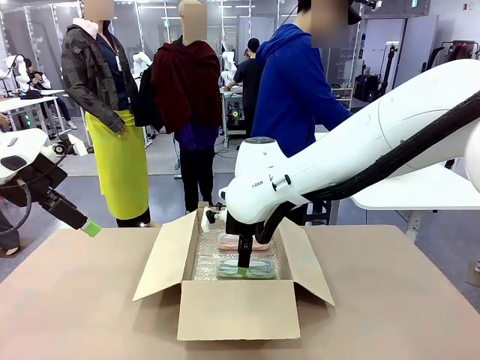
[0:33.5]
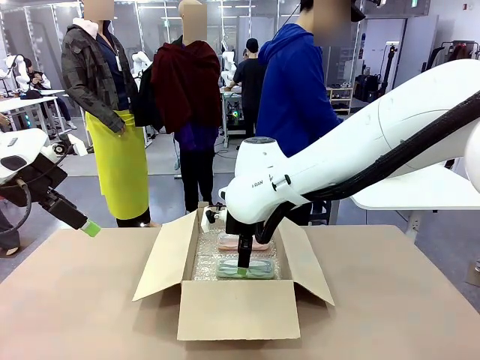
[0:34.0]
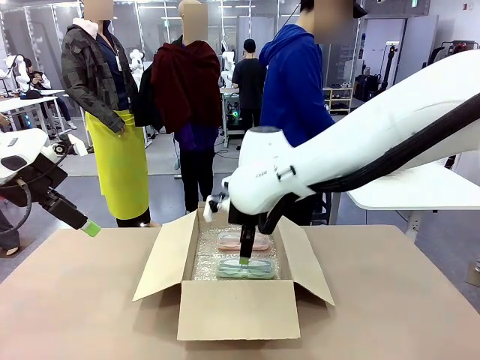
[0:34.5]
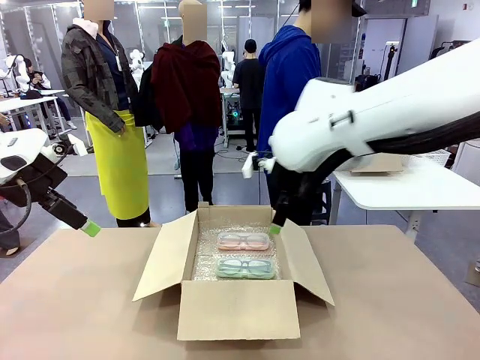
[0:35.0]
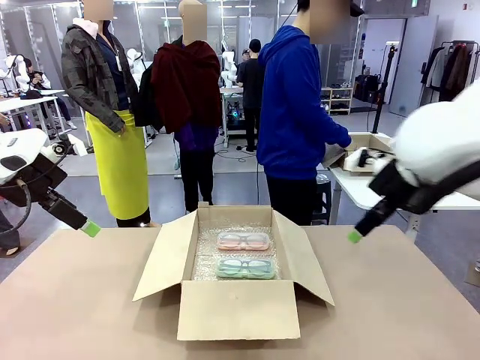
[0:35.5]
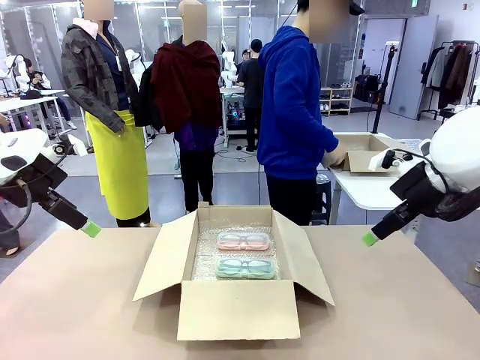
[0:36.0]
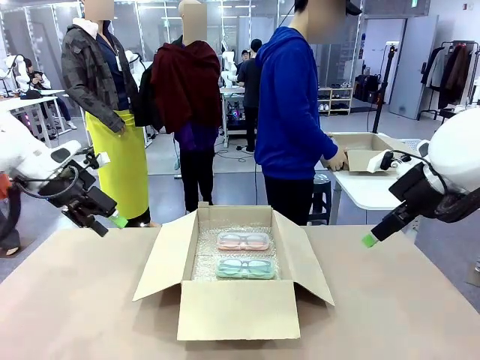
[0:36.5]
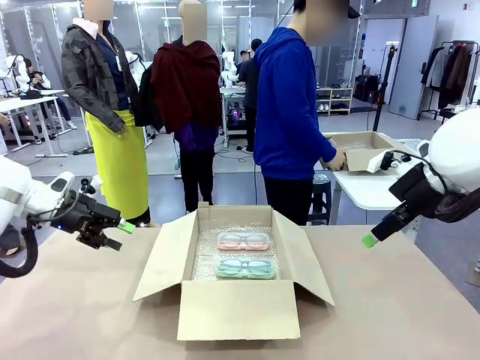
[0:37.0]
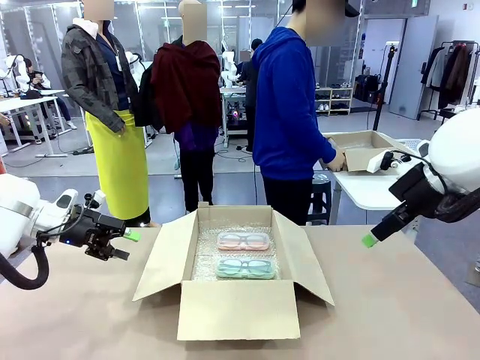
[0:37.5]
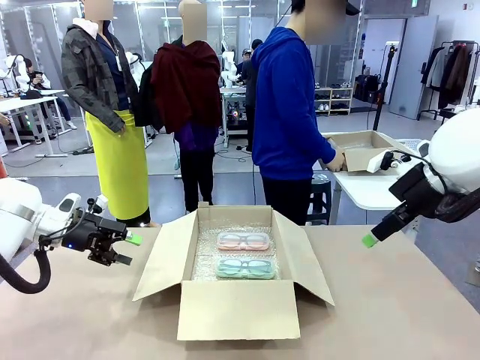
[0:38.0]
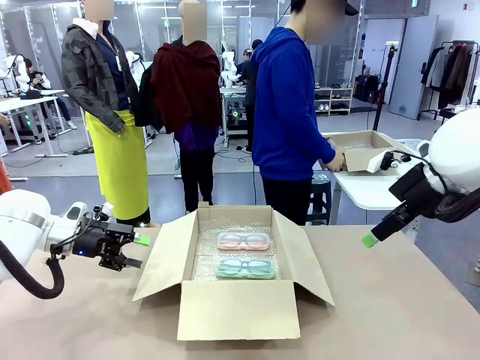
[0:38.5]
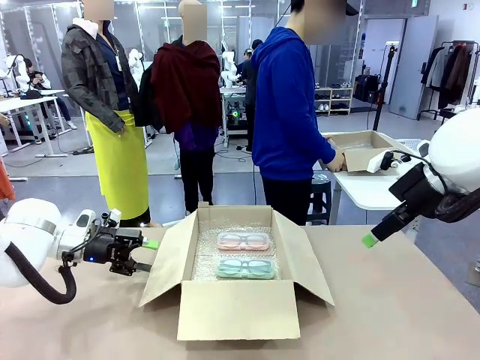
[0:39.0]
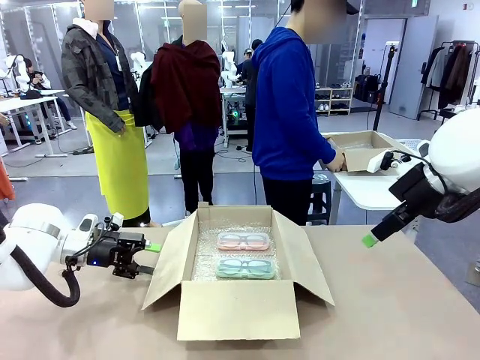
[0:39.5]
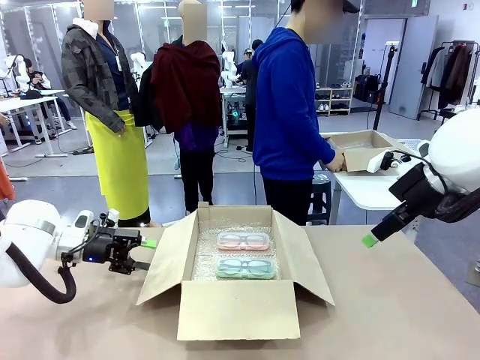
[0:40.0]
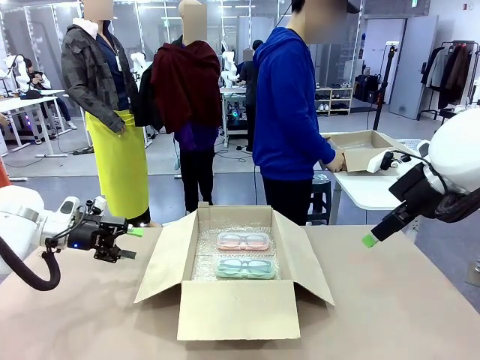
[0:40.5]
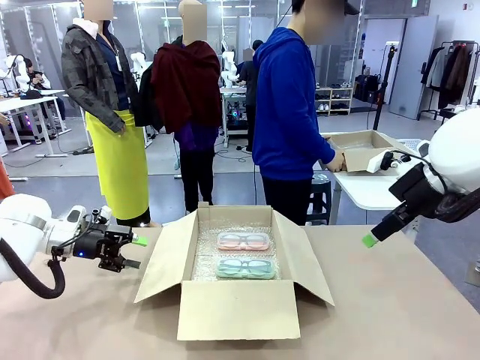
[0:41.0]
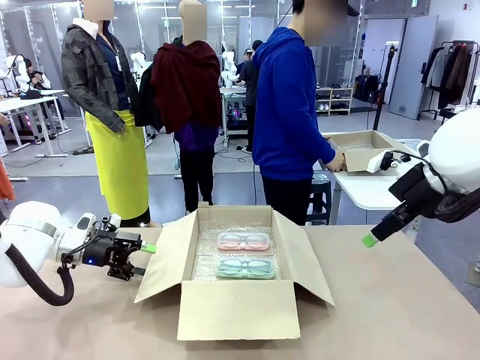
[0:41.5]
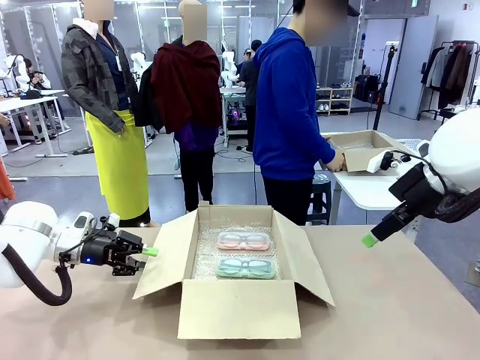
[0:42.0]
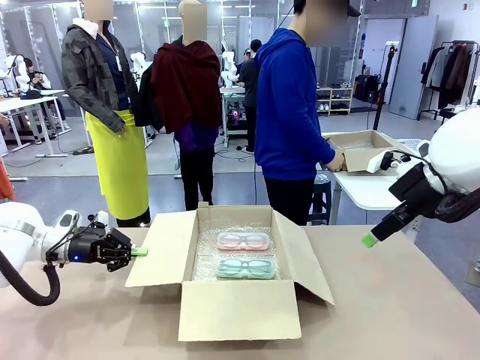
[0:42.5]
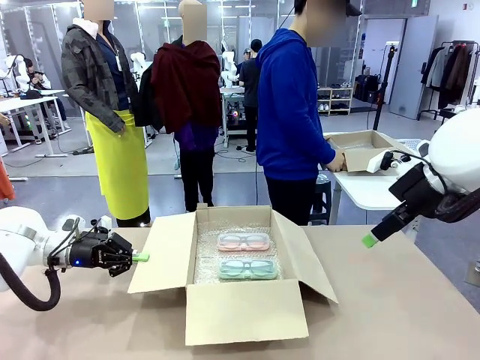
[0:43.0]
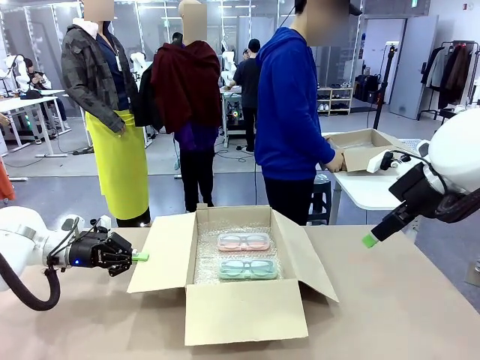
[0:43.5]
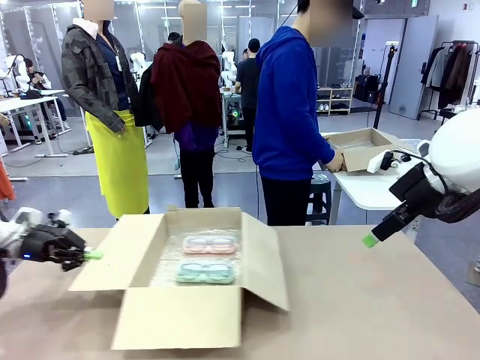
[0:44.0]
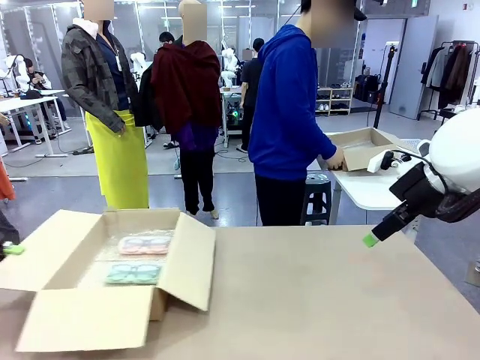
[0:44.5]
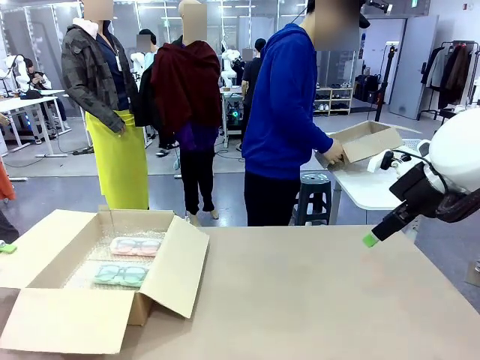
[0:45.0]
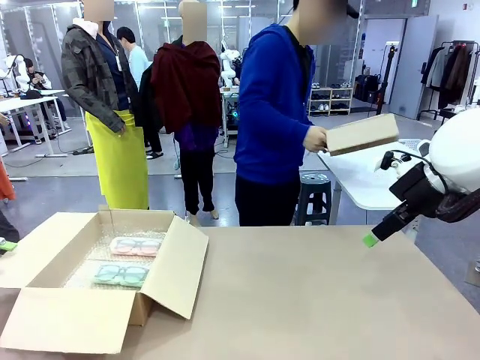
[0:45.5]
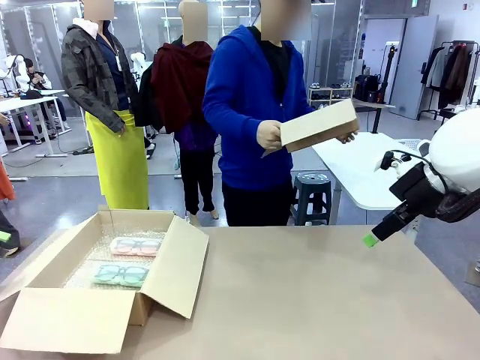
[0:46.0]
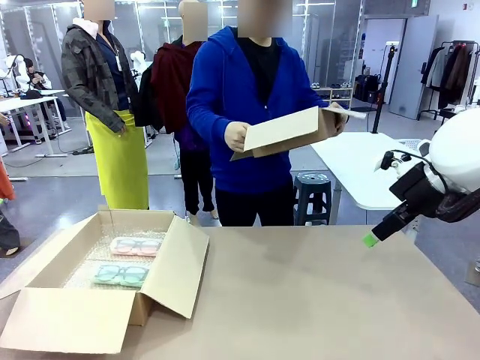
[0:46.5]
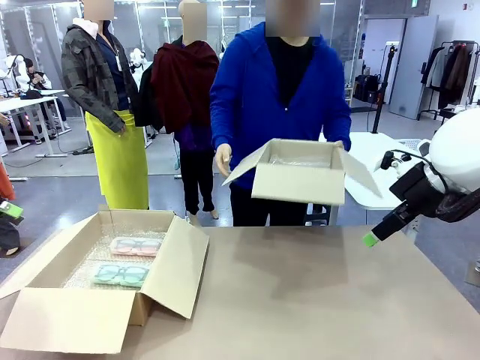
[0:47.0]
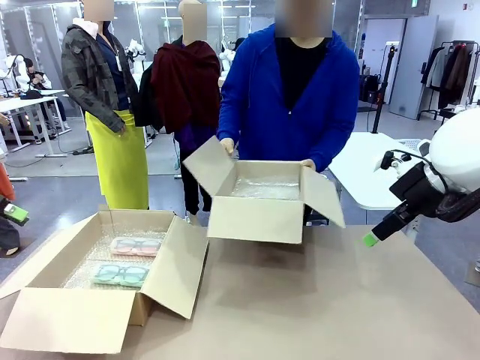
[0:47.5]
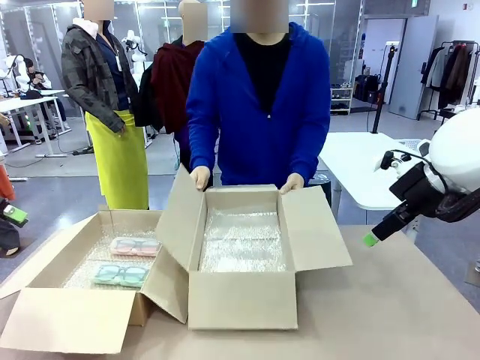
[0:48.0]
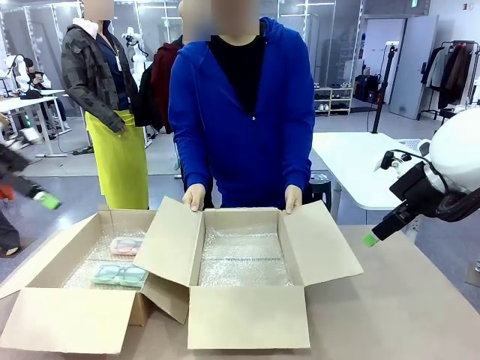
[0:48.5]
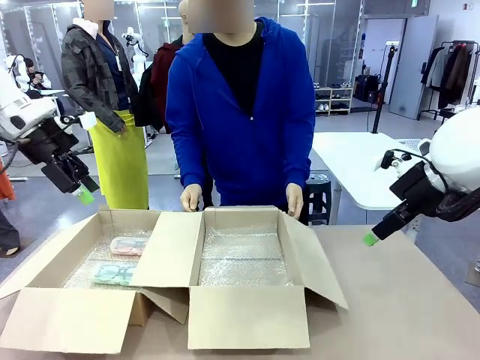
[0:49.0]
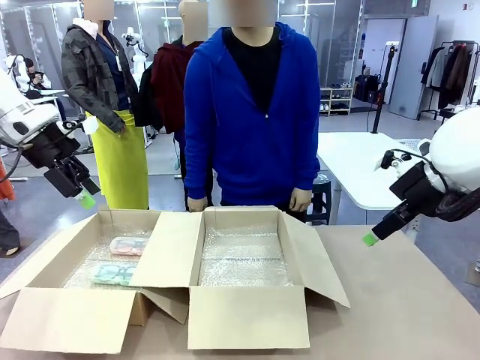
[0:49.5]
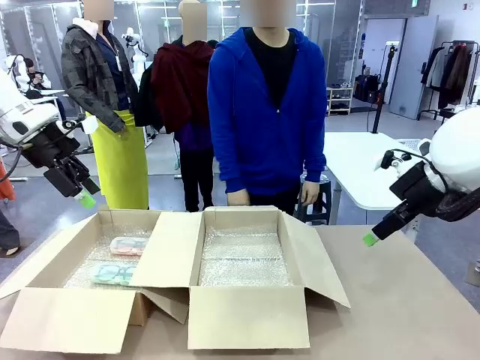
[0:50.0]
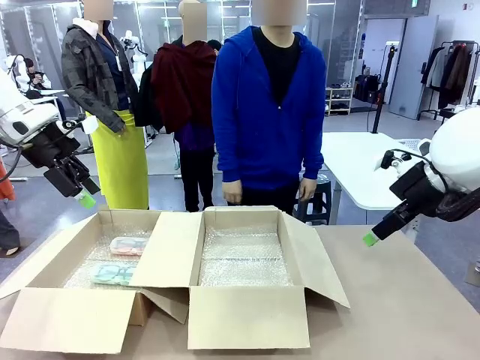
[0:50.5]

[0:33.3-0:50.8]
Task: Pack the glasses set securely to prepare it for shipping.
Robot: Position the Package Box on the left side of the table.
Person: Position the empty Package Box in the middle of the robot's table.

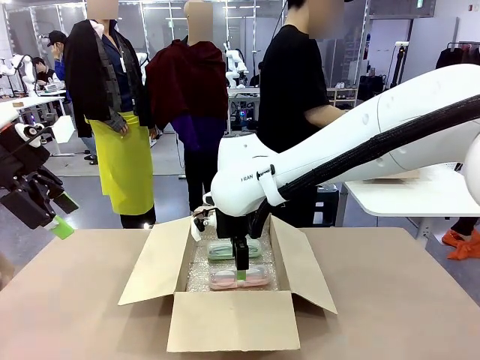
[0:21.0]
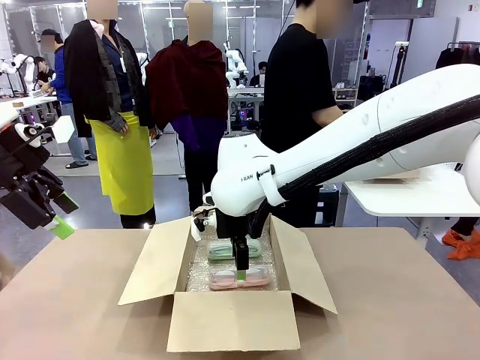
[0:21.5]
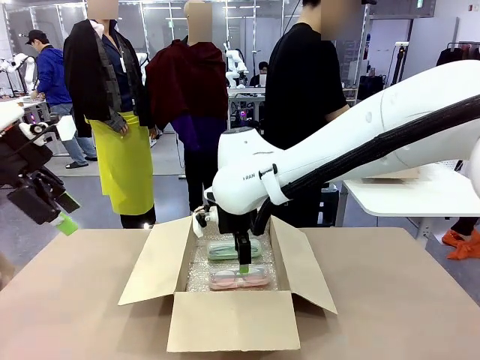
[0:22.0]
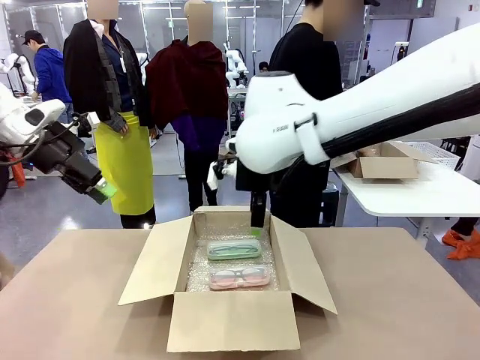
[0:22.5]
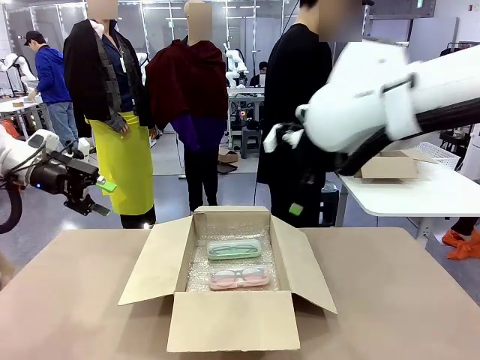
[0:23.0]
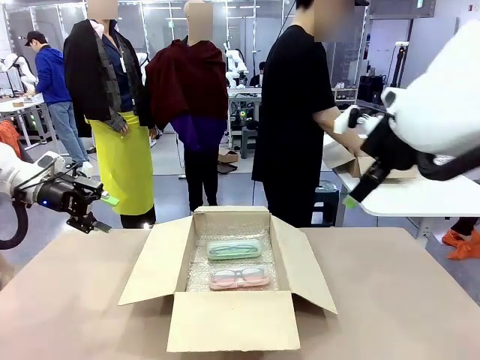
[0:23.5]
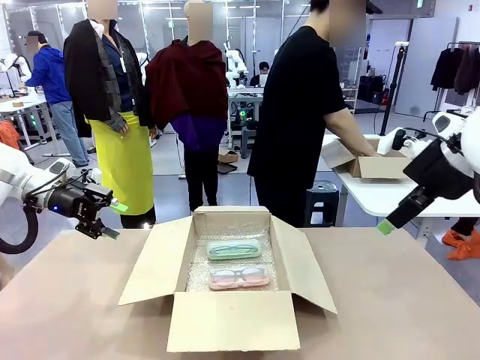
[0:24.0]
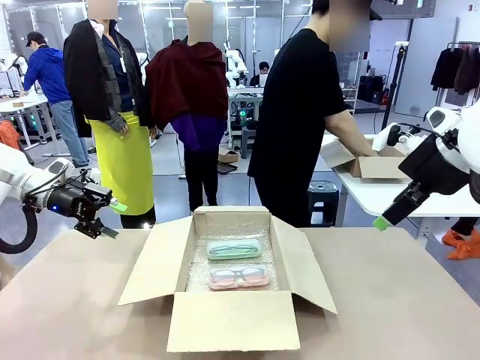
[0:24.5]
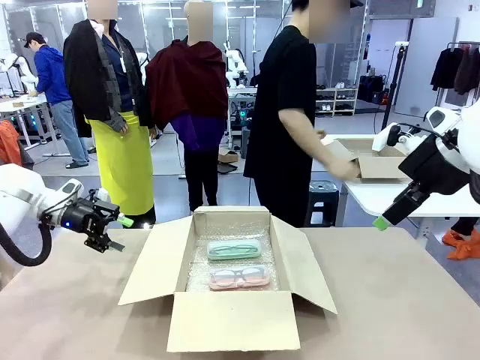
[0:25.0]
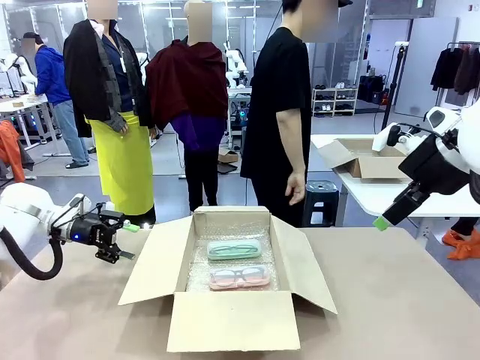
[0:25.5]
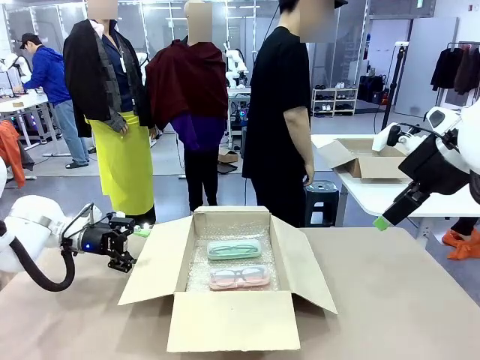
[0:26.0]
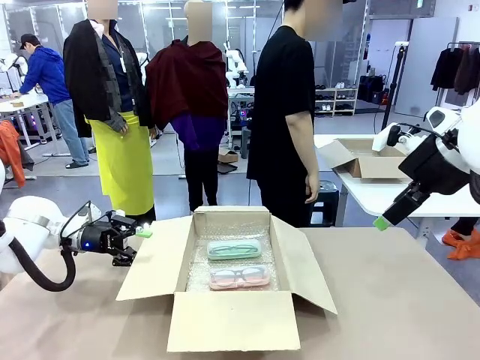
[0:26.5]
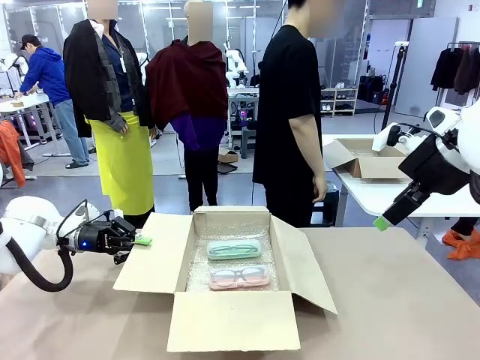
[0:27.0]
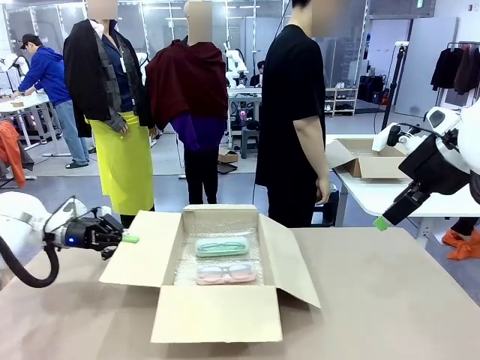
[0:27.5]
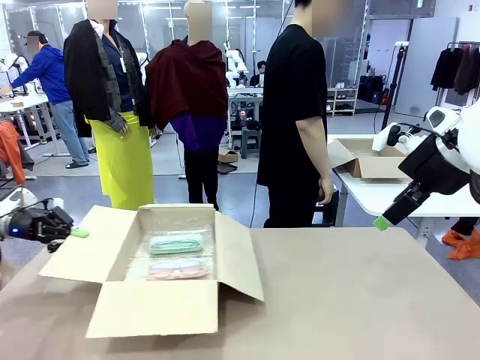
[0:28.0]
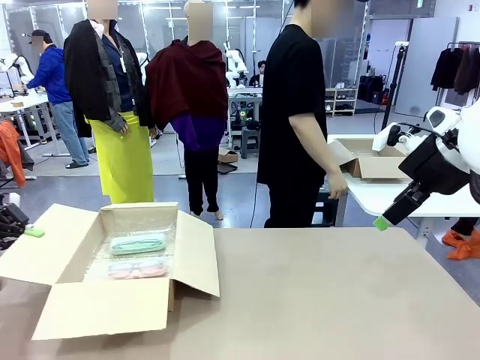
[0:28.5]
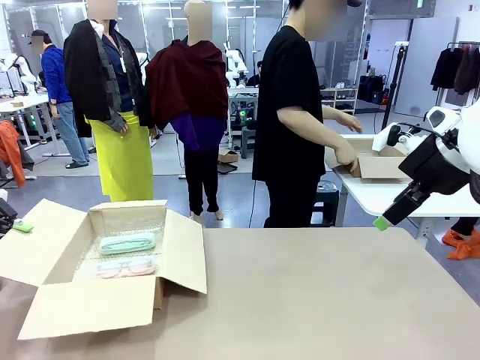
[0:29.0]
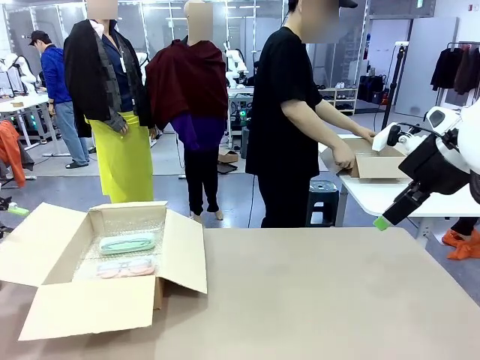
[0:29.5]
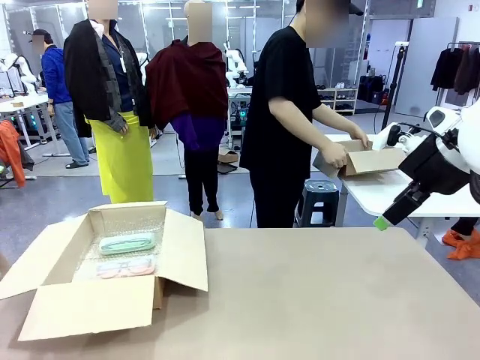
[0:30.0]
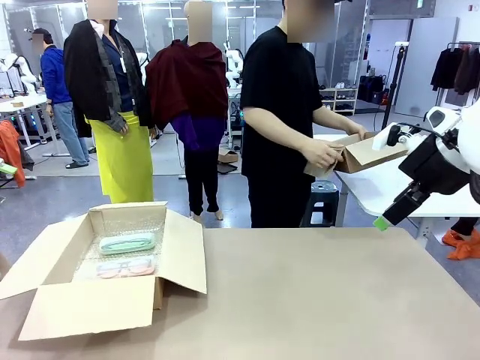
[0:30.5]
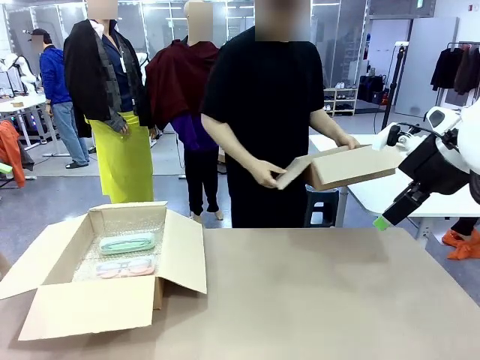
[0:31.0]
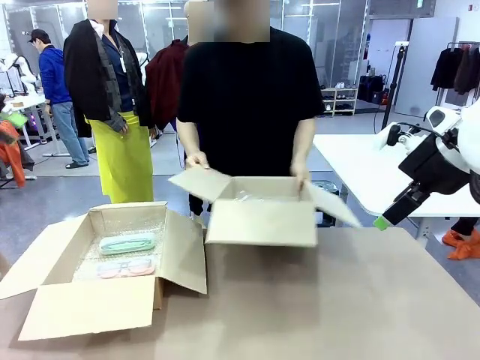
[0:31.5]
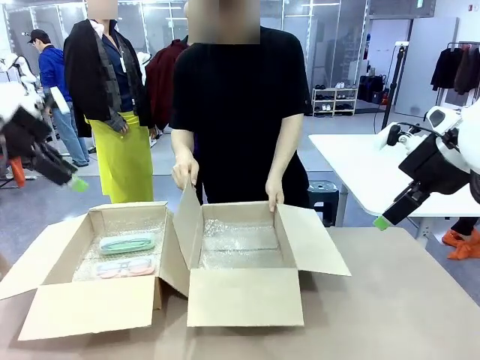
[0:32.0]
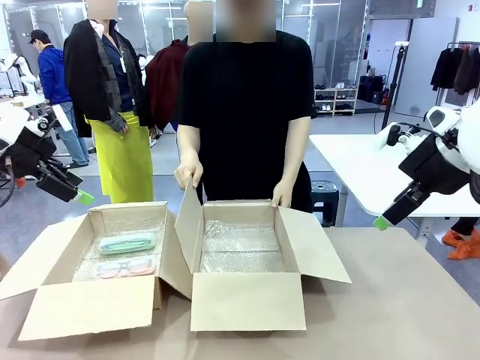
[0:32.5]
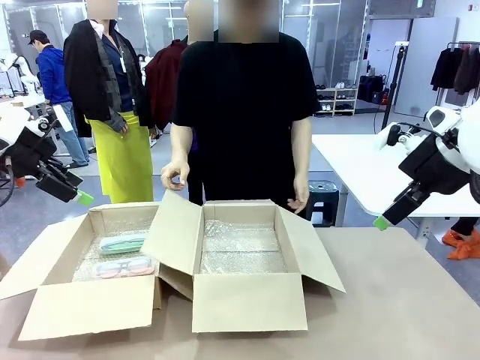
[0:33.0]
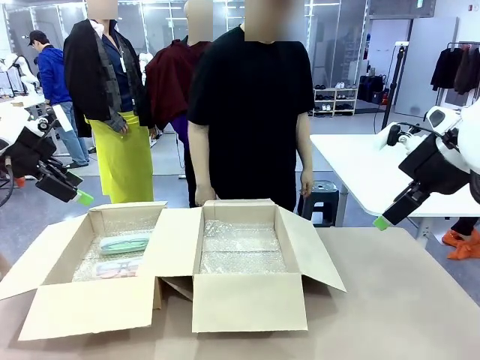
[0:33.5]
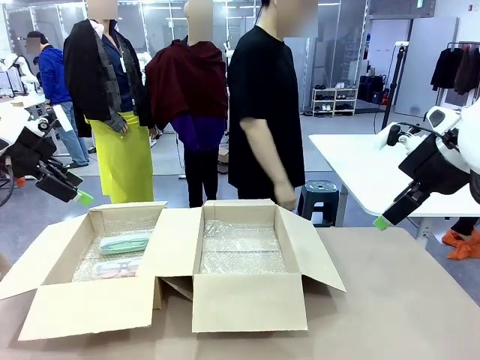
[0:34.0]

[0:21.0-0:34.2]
Task: Pack the glasses set securely to prepare it for shipping.
Robot: Position the Package Box on the left side of the table.
Person: Position the empty Package Box in the middle of the robot's table.
